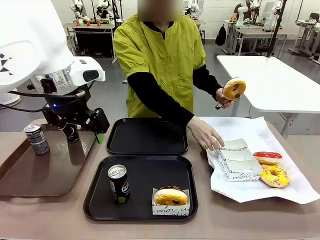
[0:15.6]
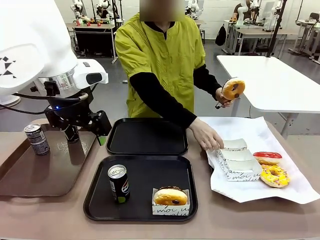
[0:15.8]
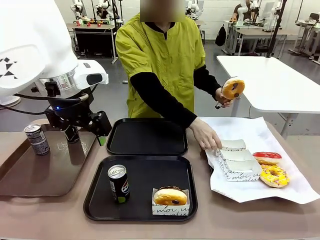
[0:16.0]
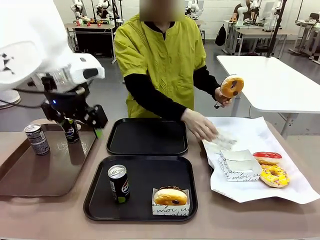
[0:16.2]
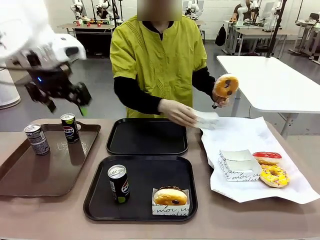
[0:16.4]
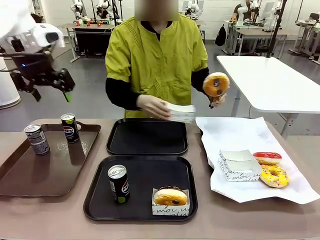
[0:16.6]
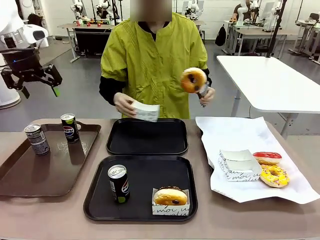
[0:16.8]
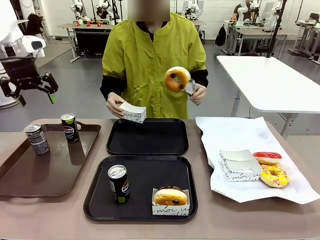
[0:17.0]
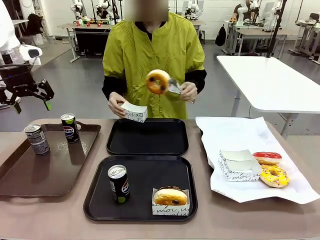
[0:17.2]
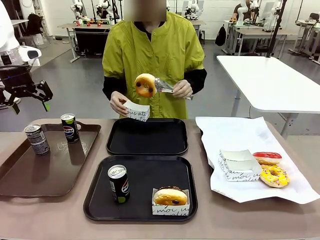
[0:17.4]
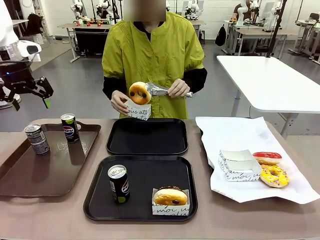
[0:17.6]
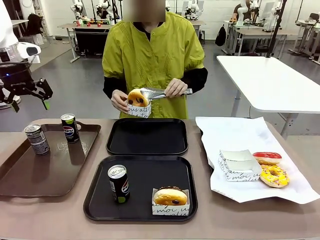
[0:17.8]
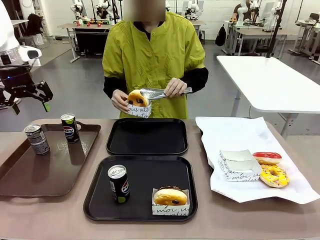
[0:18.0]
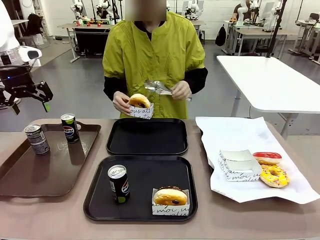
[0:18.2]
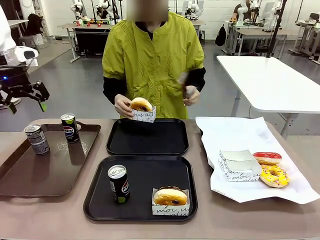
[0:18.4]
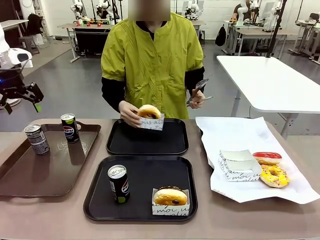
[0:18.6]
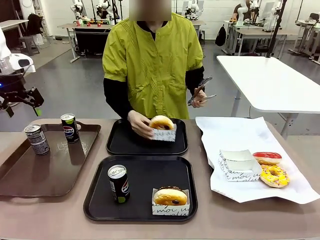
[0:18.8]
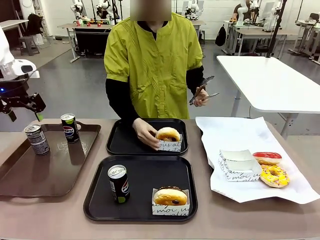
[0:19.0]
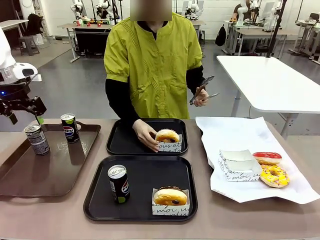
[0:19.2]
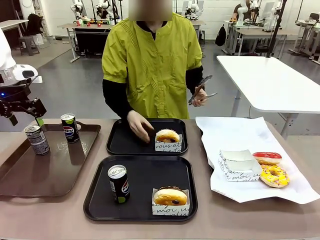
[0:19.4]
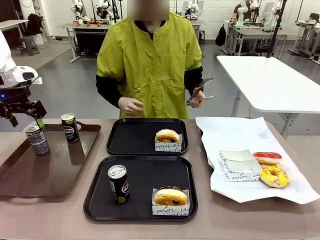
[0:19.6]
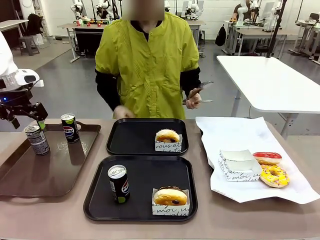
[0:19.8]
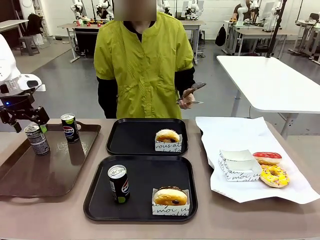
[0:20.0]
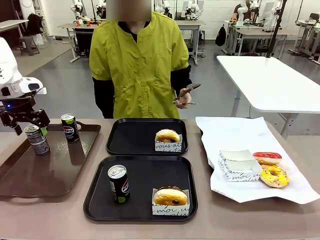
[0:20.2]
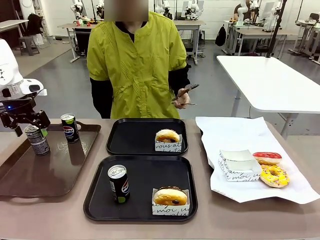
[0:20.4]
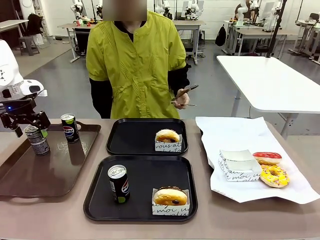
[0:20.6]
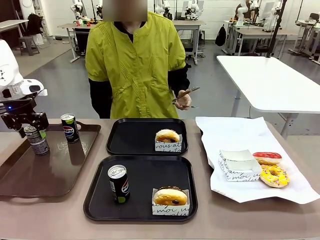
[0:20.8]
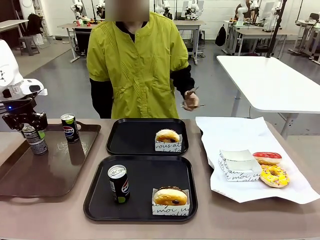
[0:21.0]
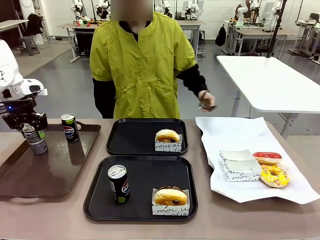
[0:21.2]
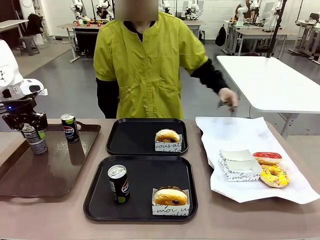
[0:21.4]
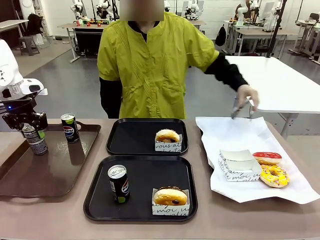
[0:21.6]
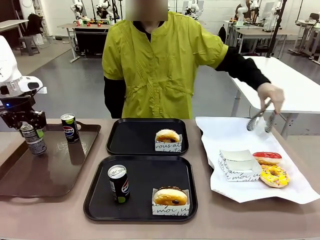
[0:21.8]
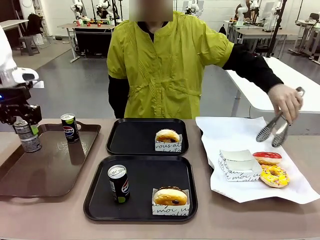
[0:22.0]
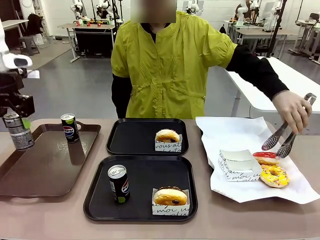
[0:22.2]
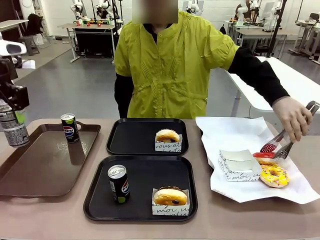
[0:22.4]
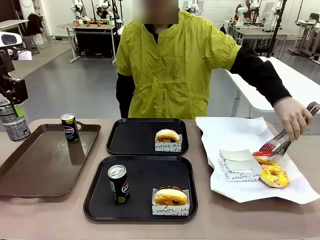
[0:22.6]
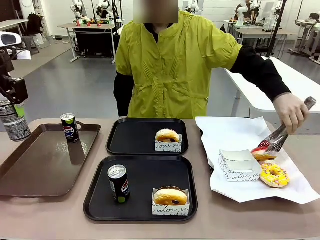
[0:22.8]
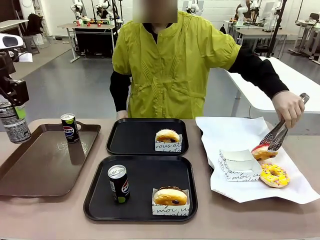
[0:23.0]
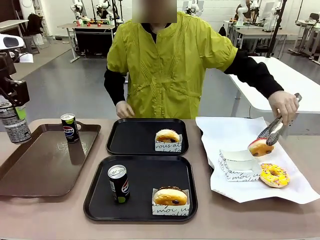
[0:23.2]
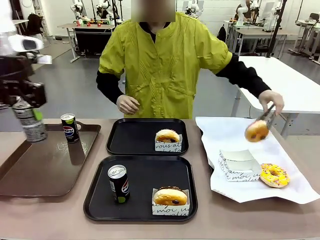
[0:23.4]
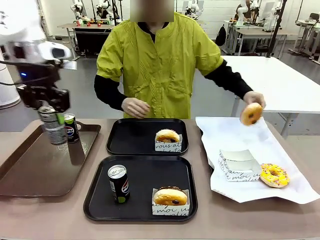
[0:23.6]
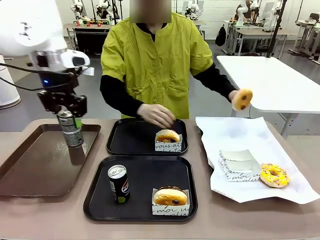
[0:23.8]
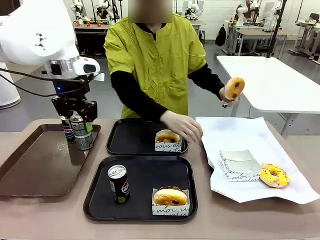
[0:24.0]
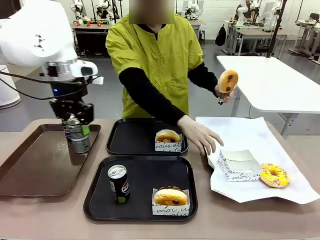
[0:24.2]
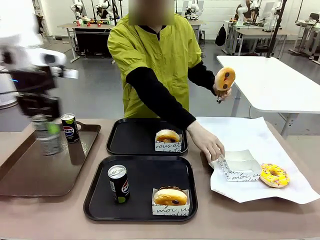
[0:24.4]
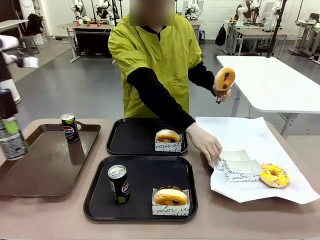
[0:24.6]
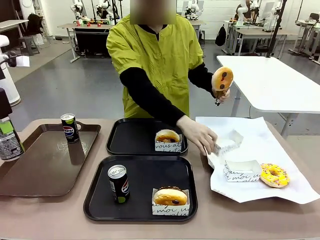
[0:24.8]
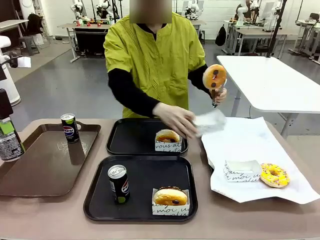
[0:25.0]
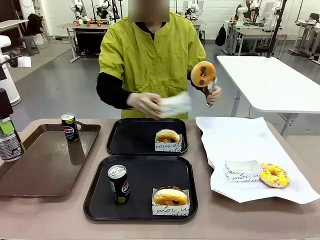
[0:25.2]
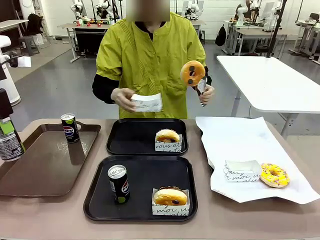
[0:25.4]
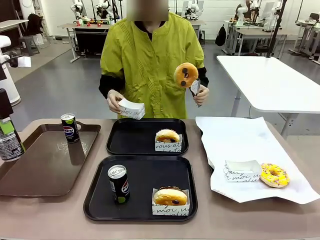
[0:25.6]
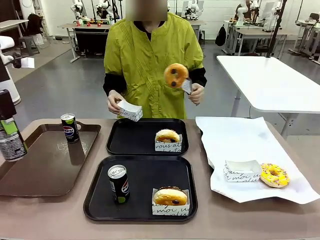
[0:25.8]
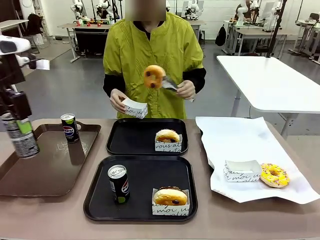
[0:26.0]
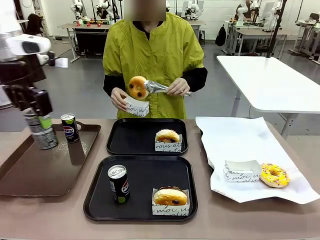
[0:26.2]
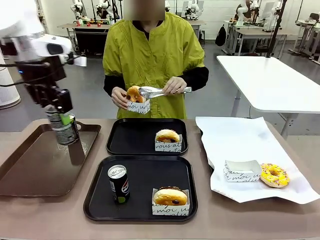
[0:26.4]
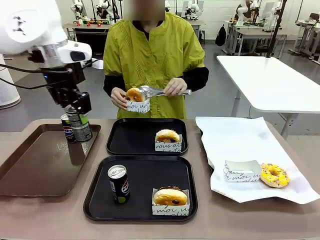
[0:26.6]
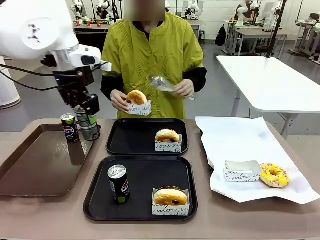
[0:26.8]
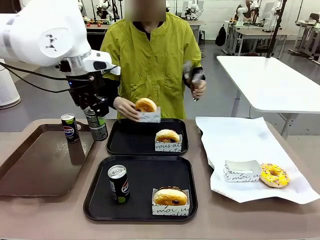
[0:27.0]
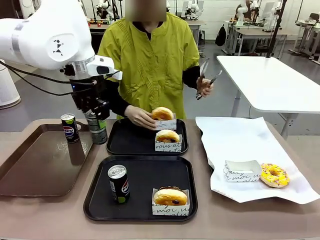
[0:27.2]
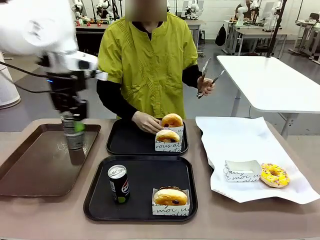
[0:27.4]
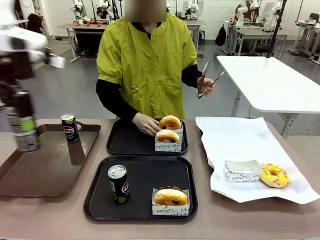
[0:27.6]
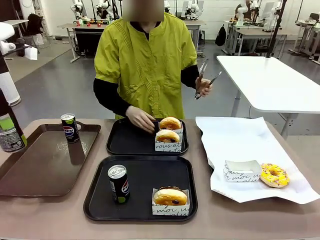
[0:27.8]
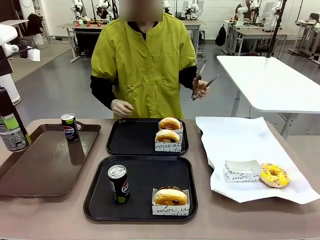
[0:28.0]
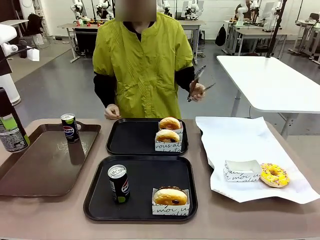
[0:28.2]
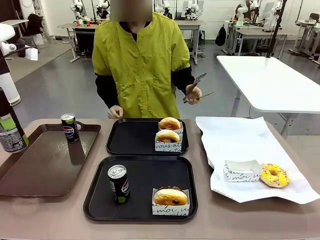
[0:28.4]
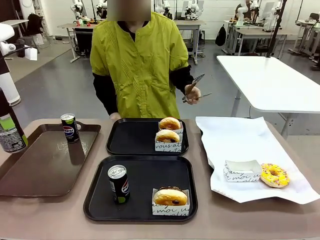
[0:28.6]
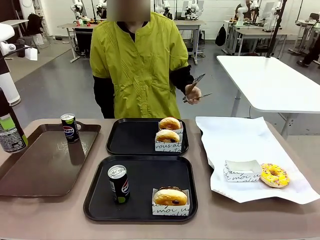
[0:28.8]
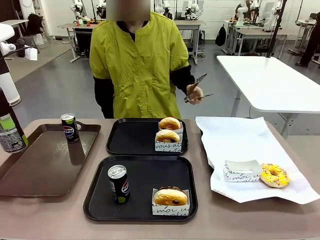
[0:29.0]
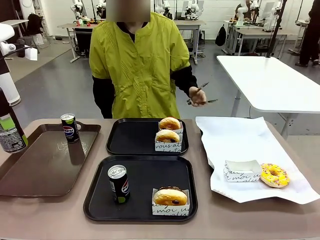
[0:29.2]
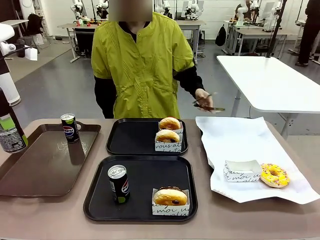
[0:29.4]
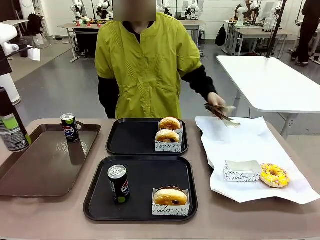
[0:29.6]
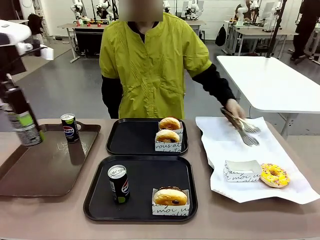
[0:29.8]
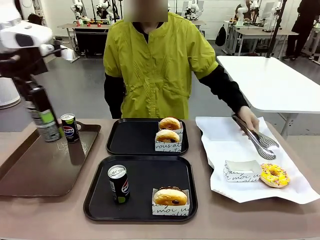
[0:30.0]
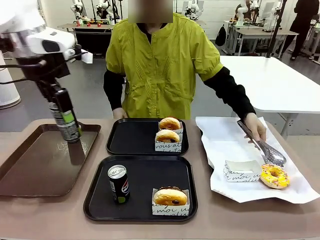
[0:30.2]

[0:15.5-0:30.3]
Task: Set up donuts and drinks on trays.
Robot: Pick up one Pepsi coke from the Handle tray and place it on the Flat Tray without a Pepsi coke.

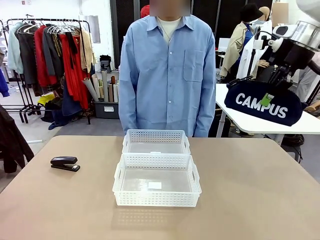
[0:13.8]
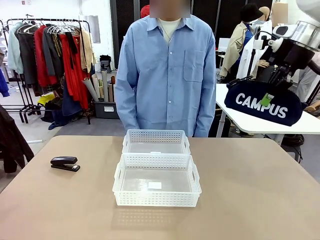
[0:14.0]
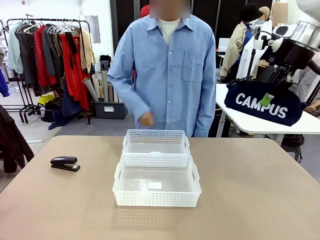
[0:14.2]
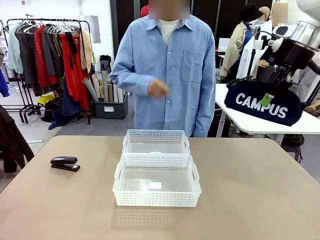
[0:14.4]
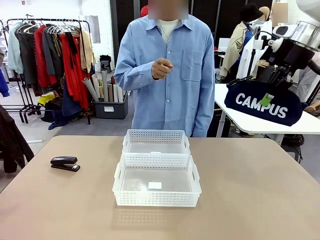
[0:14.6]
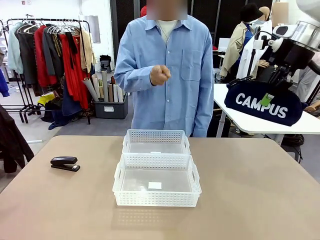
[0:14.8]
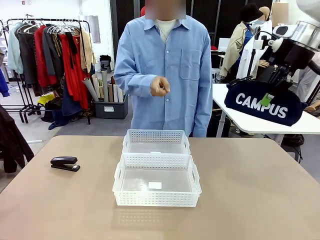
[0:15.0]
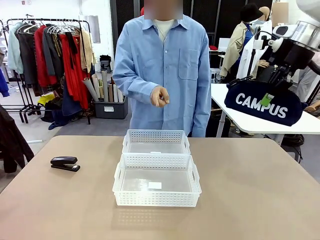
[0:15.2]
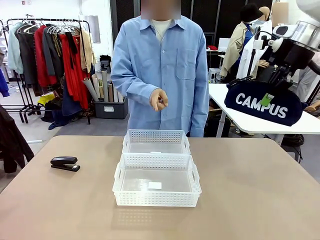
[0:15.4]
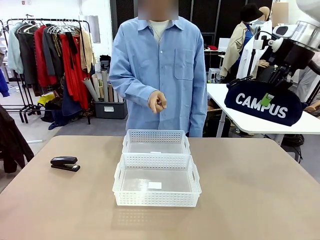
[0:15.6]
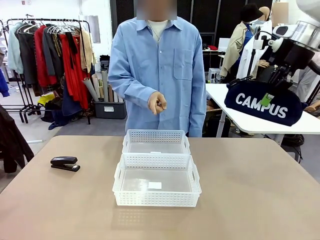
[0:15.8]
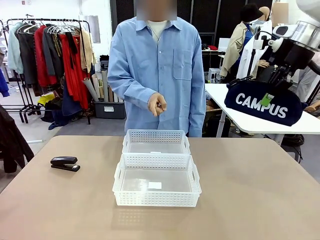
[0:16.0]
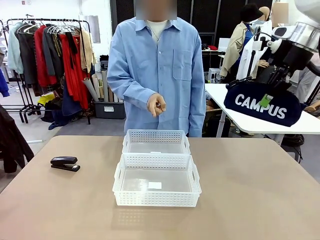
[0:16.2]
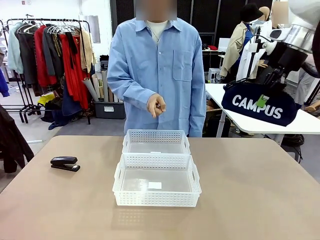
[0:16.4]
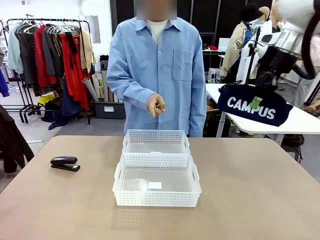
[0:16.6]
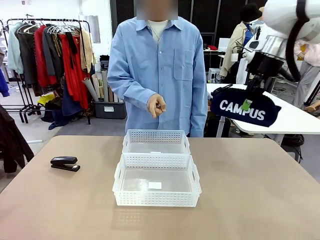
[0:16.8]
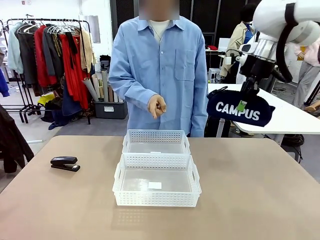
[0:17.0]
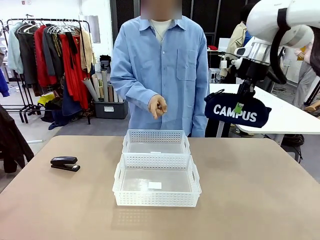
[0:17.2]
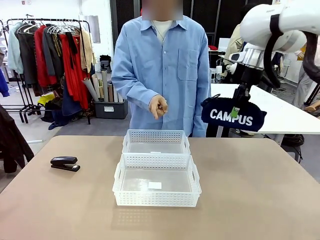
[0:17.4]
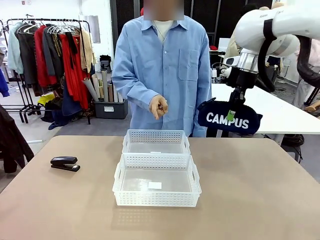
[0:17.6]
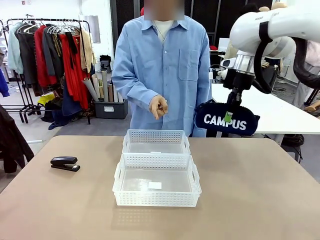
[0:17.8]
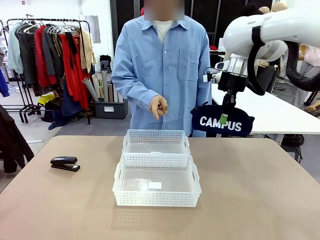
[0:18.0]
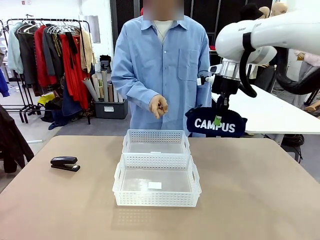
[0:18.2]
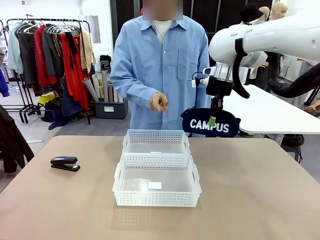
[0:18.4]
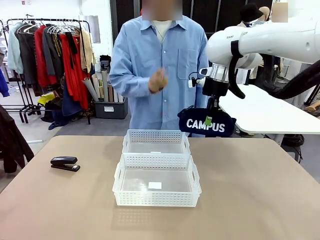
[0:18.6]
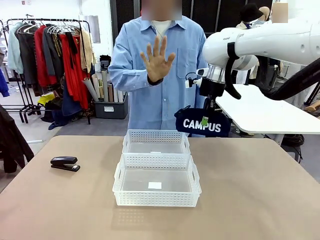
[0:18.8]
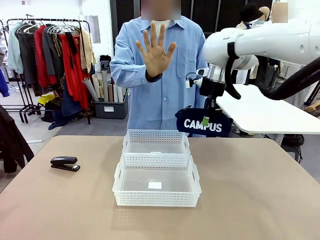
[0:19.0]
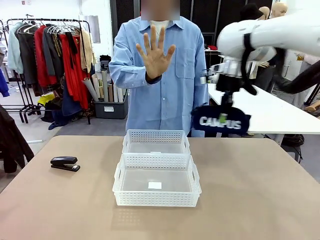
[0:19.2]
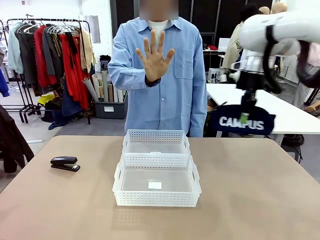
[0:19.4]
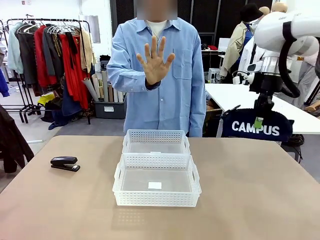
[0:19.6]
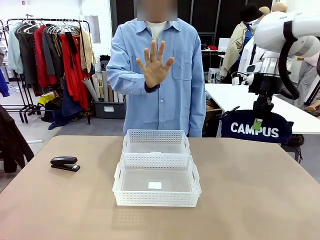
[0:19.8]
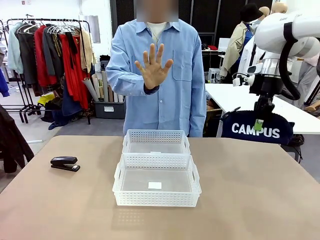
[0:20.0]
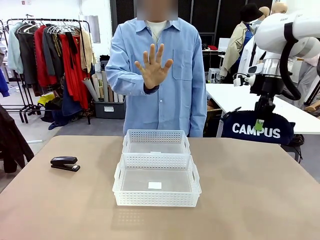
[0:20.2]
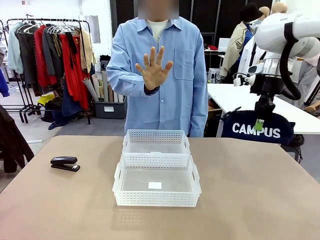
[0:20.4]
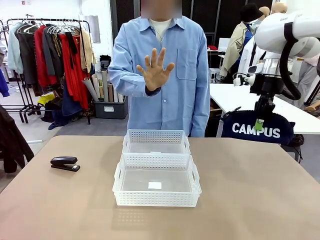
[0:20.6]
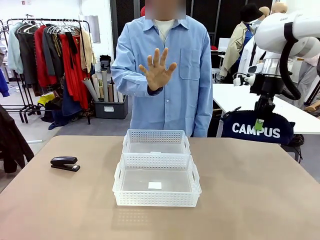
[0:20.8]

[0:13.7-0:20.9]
Task: Distribute items into two baskets.
Robot: Move the picked Pencil pouch towards the Organizing basket indicated by the person, stopping as directed.
Person: Sends a stop gesture before the robot places the pencil case into the basket.
